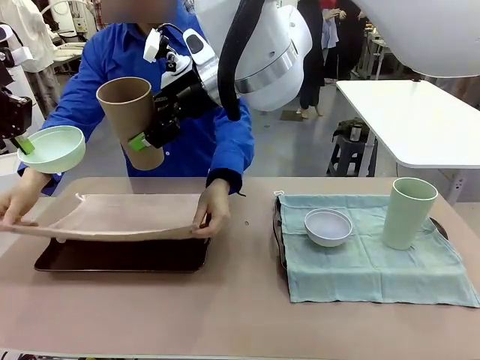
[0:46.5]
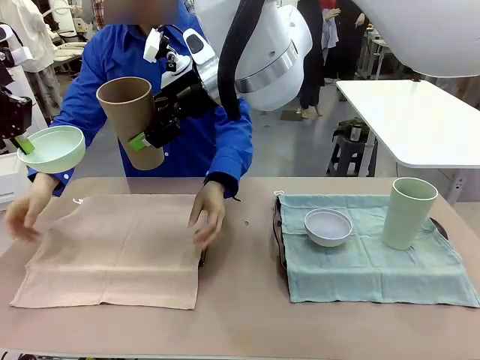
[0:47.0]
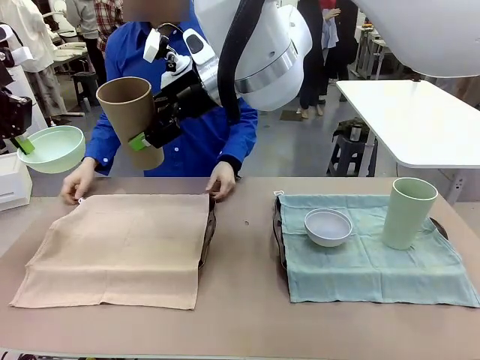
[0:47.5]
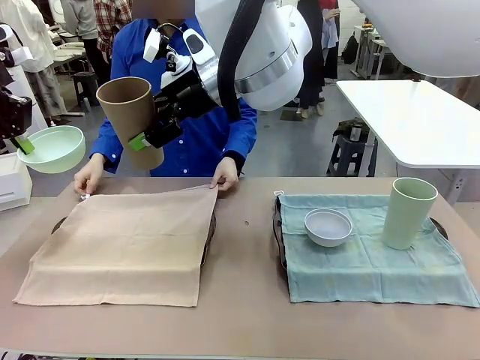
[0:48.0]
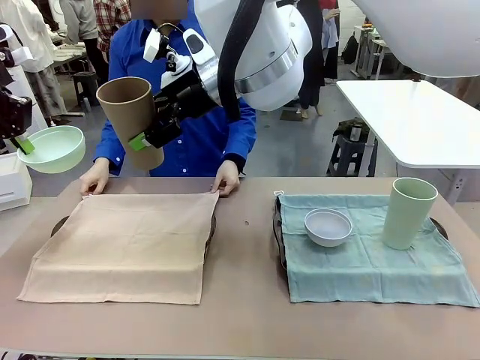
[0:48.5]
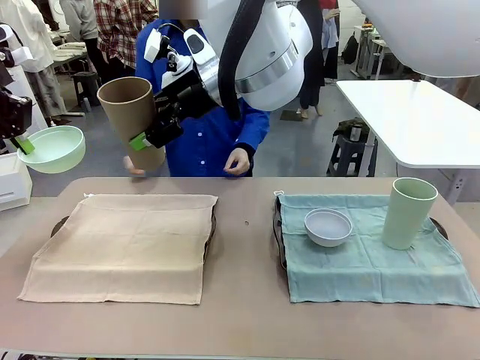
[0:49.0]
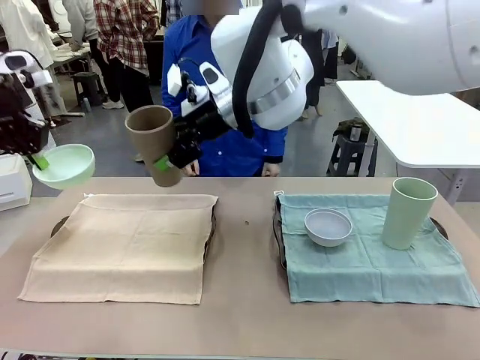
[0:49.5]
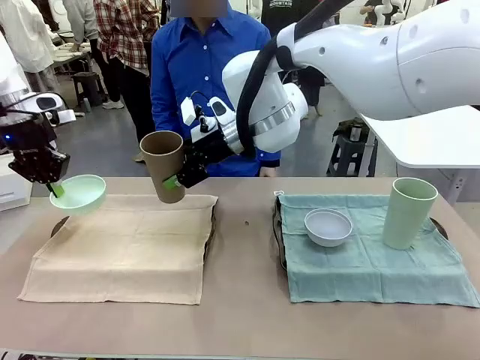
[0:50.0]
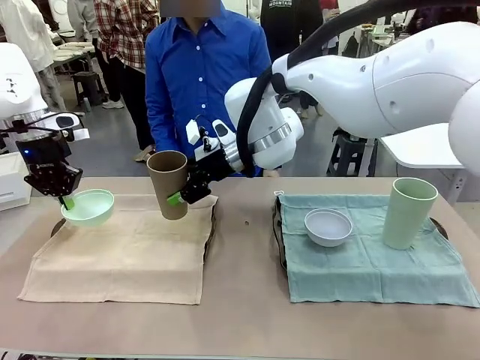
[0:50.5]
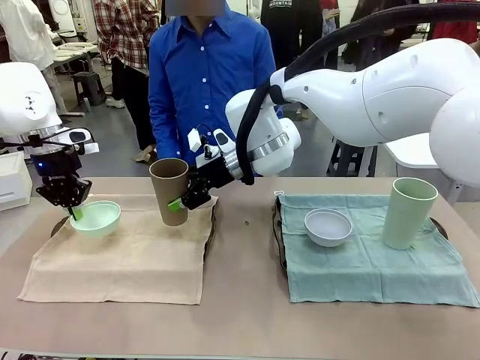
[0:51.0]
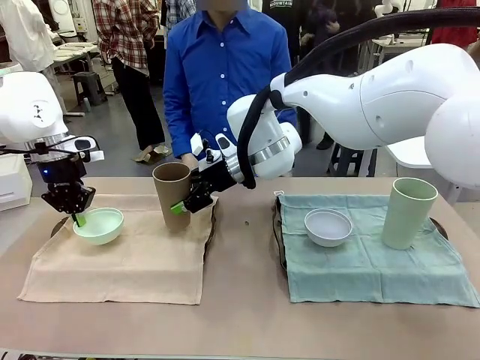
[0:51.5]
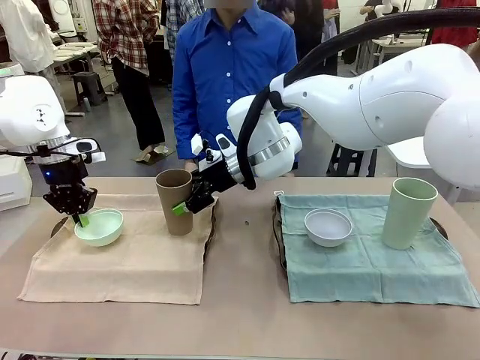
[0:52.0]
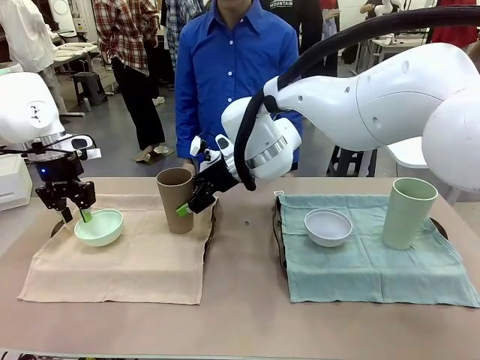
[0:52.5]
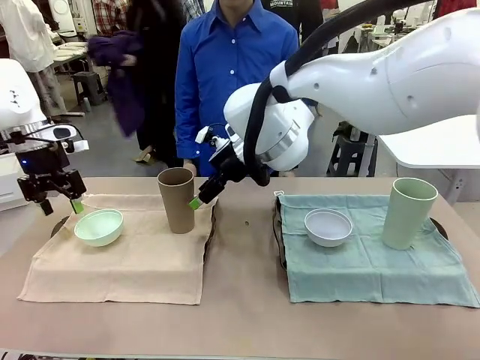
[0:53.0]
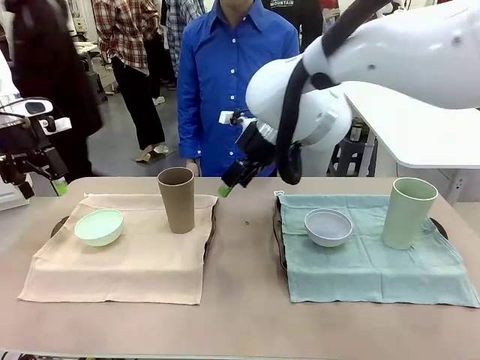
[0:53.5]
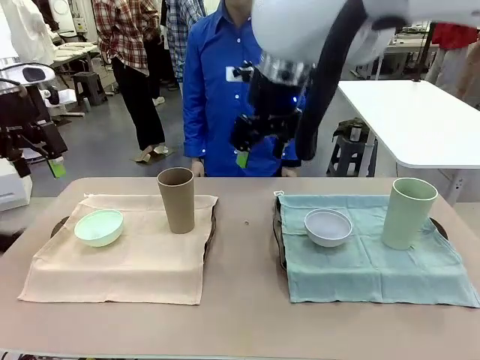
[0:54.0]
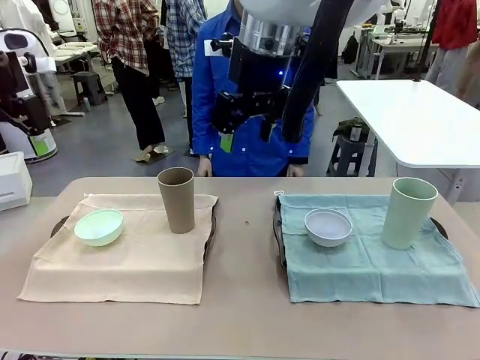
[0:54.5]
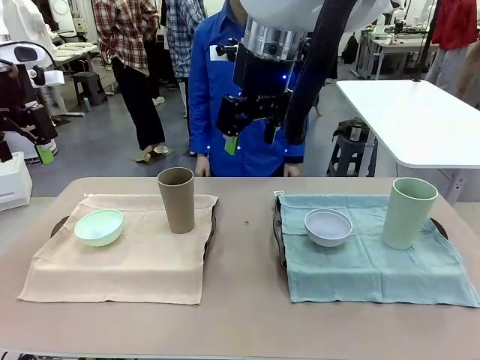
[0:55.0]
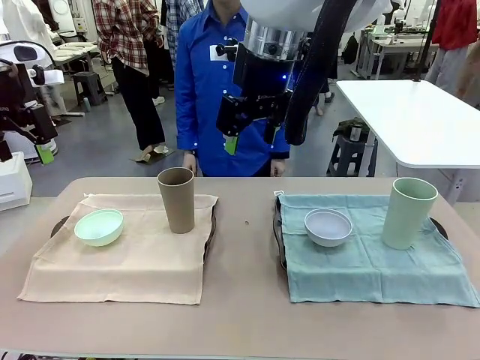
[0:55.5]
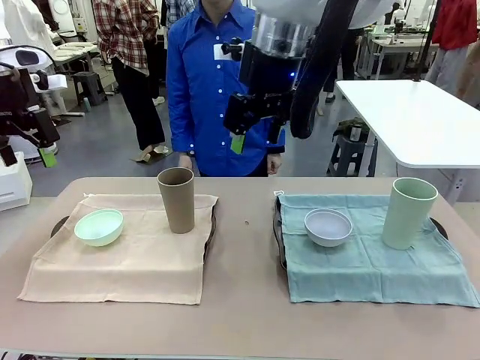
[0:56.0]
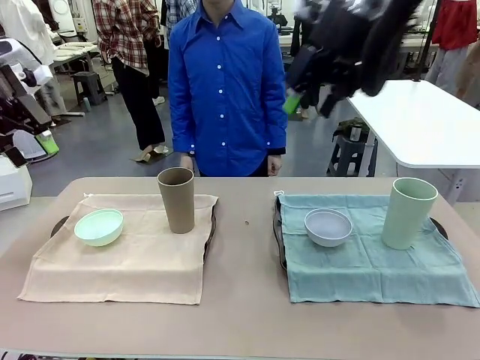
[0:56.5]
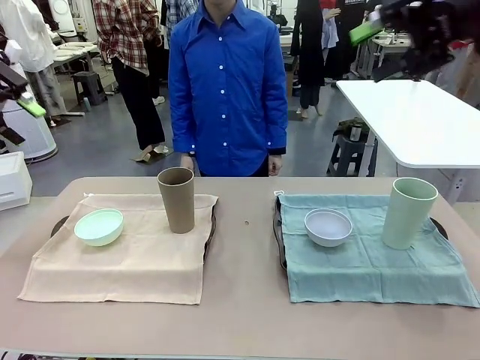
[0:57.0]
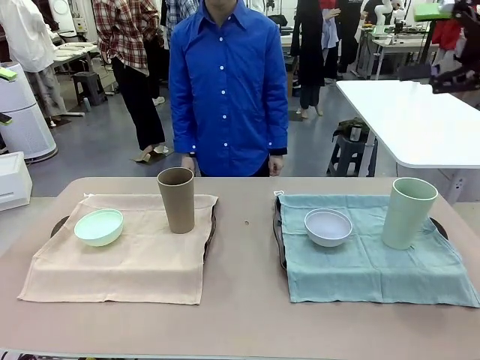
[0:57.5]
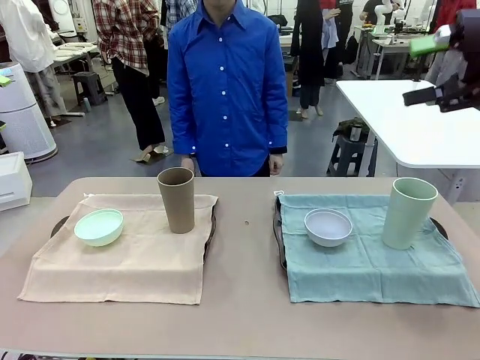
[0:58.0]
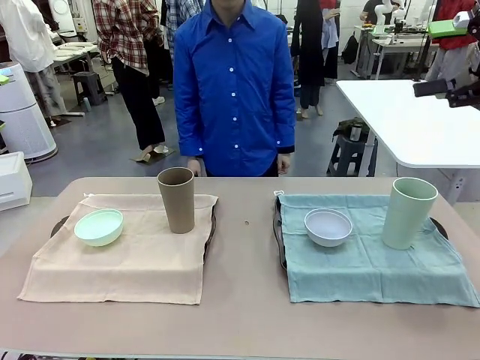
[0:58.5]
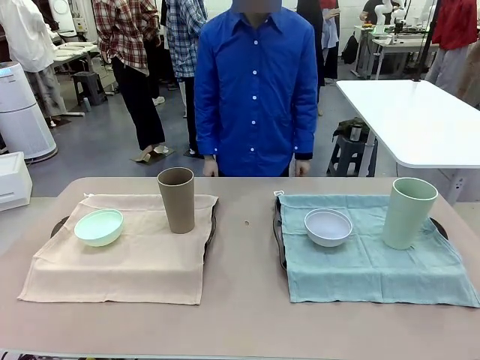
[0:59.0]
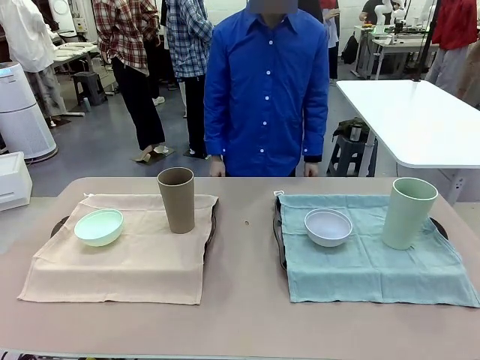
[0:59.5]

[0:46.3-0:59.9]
Robot: Place the Picnic Bowl and Reusable plastic cup back onto the Handle tray in front of the human's position.
Person: When the robot lifts the bowl and the cup, the human unfolds the napkin and lays the napkin flat on the tray.

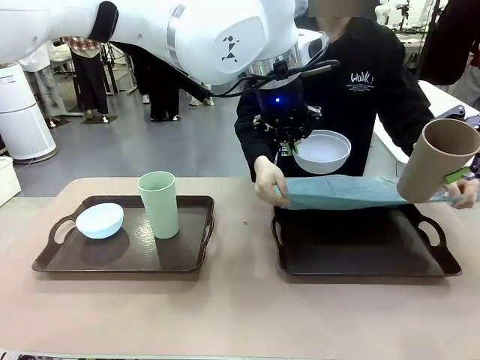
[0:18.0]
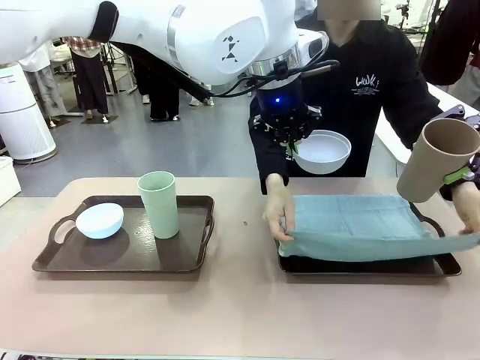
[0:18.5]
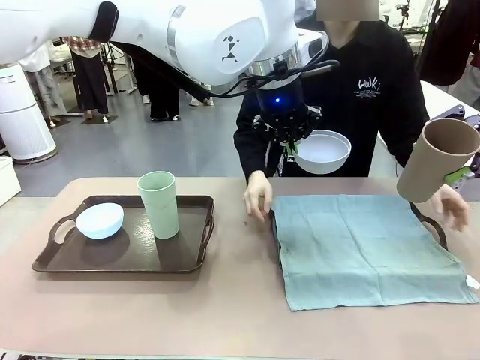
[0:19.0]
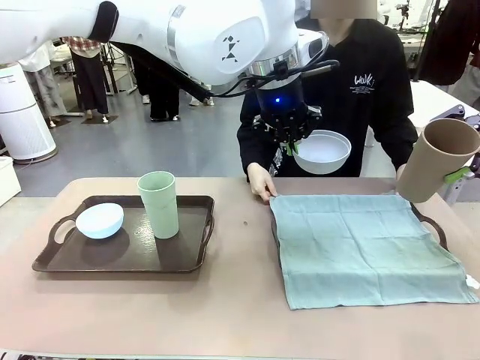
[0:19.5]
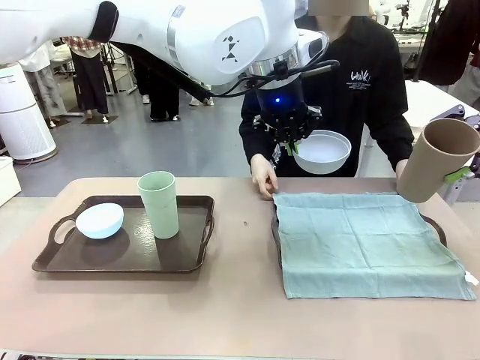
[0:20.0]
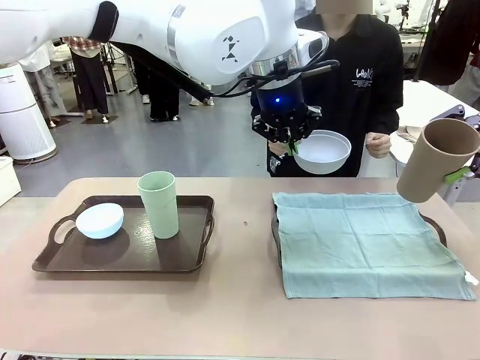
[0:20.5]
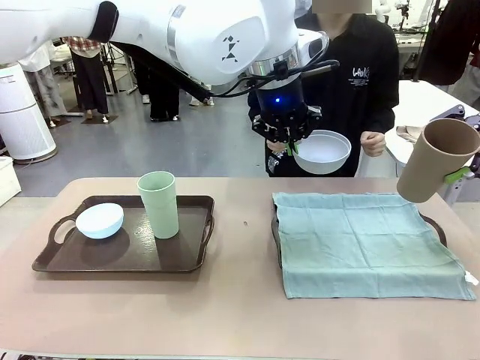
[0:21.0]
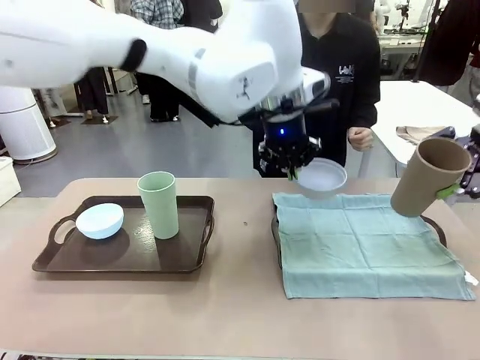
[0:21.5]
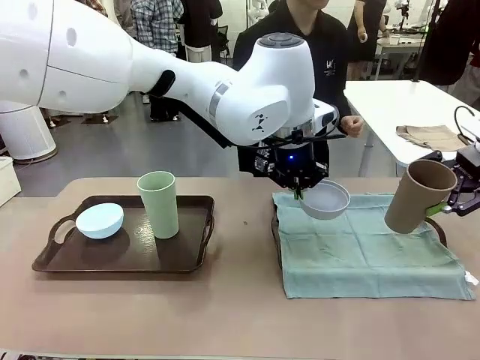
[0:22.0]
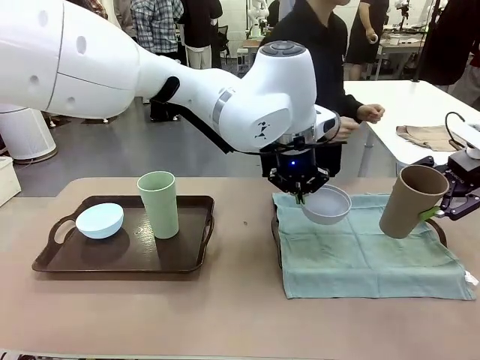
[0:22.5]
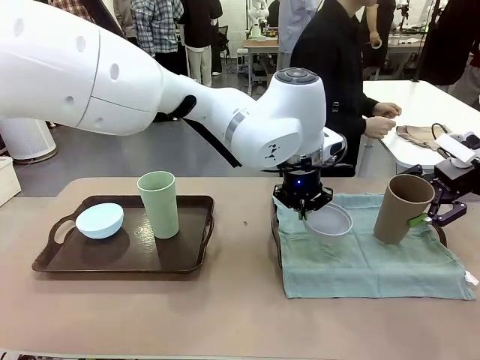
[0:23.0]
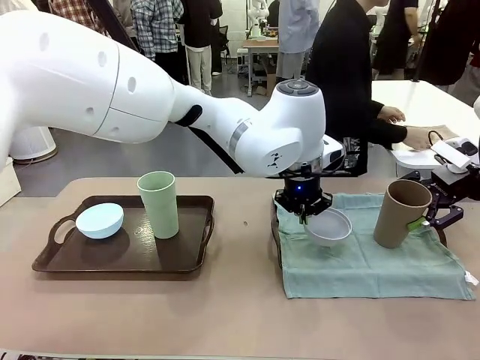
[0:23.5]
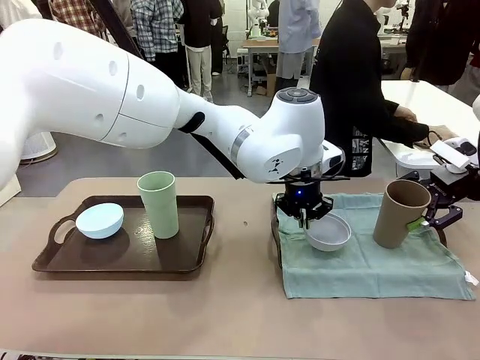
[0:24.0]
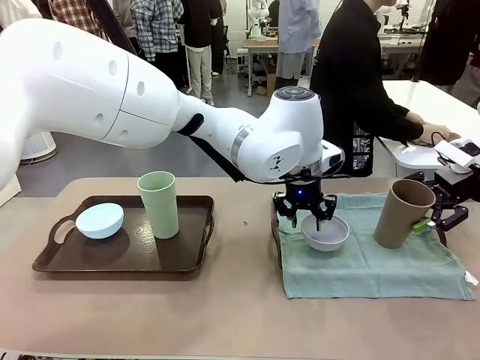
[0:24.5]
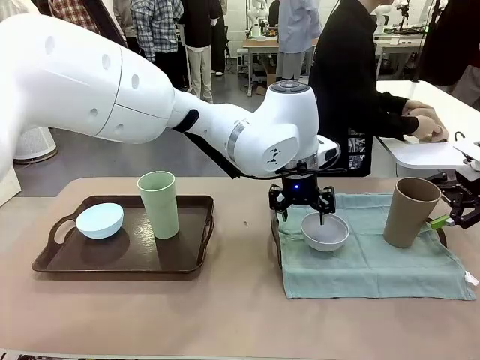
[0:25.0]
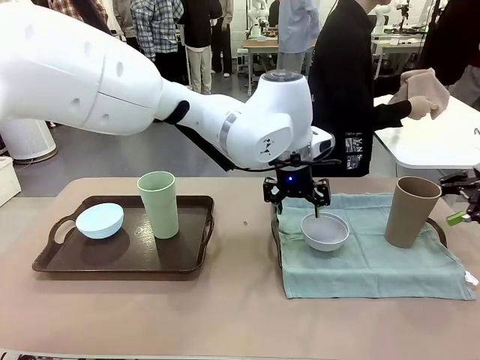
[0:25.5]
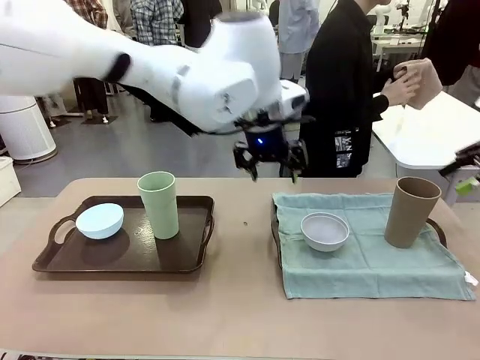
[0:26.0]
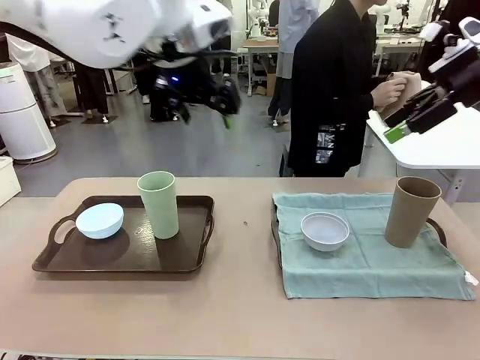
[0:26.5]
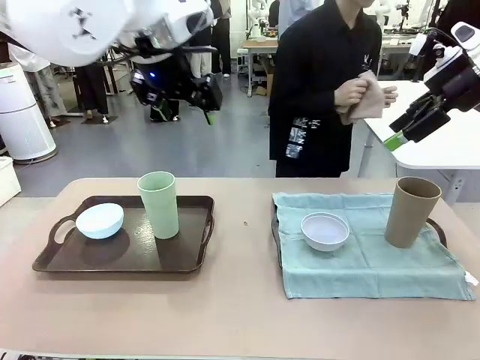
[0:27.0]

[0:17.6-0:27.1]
Robot: Place the Picnic Bowl and Reusable plastic cup back onto the Handle tray in front of the human's position.
Person: The human returns to the human table to pick up another napkin and walks to the robot table to stand in front of the tray without a napkin.
